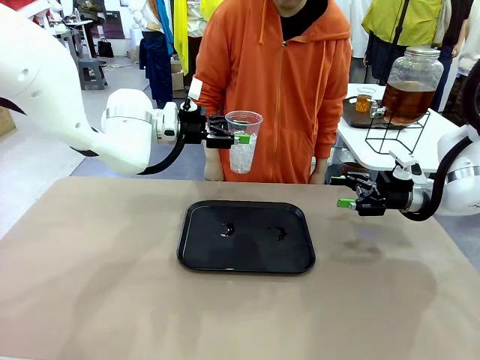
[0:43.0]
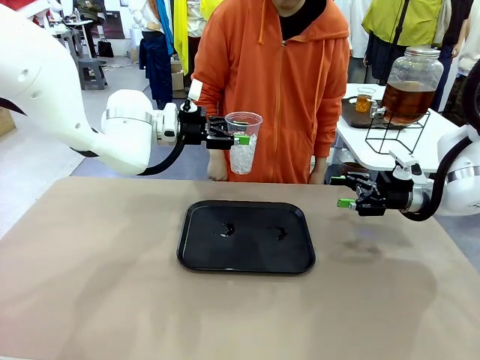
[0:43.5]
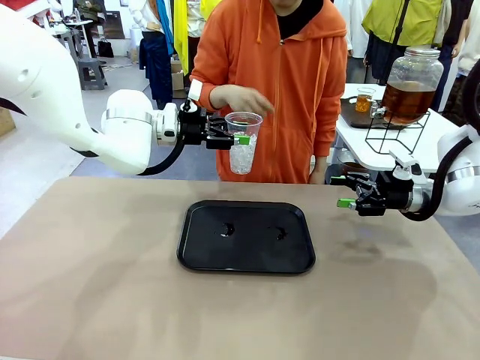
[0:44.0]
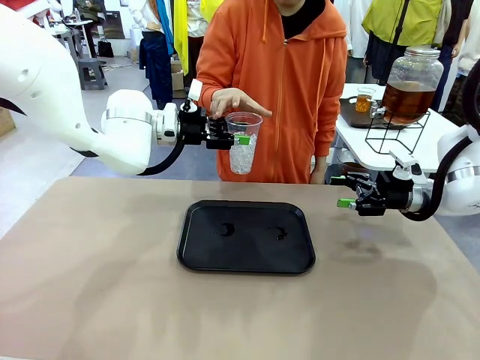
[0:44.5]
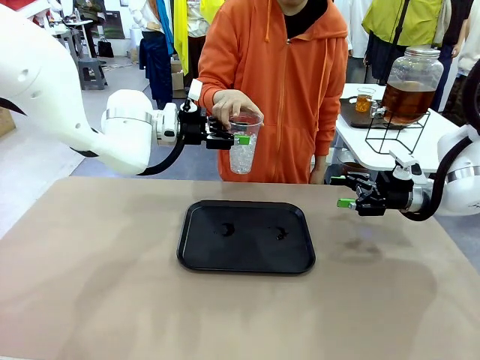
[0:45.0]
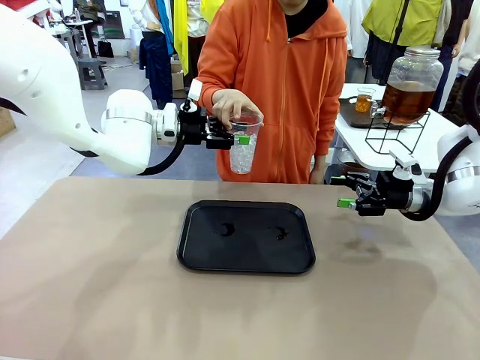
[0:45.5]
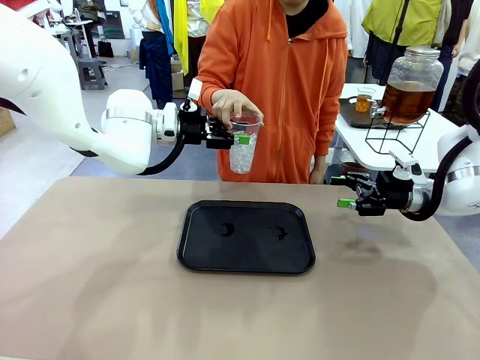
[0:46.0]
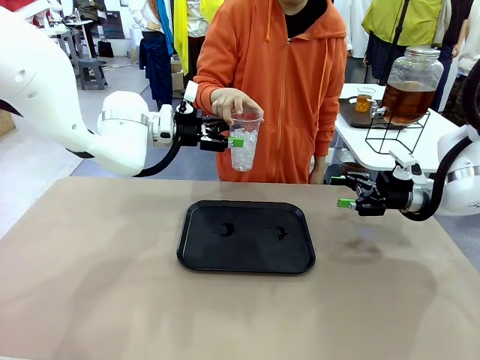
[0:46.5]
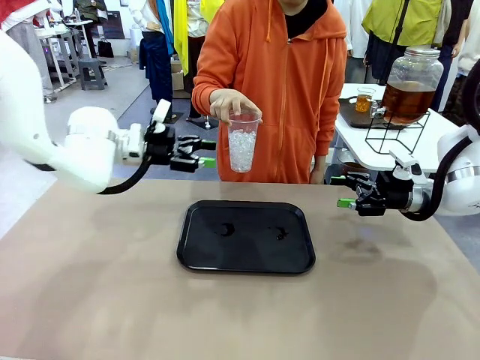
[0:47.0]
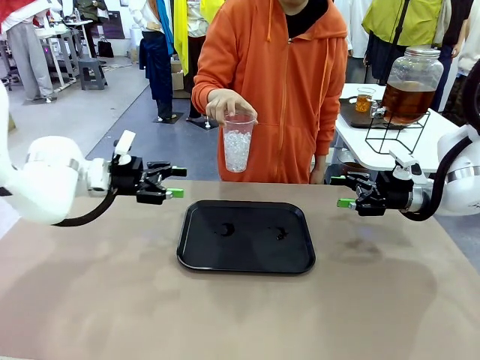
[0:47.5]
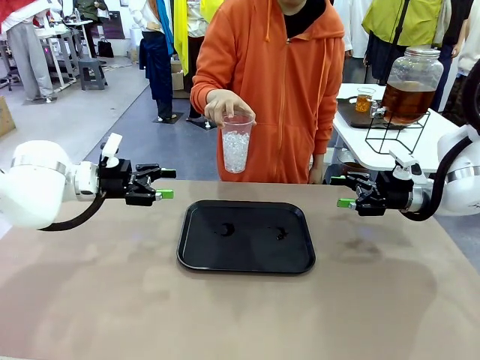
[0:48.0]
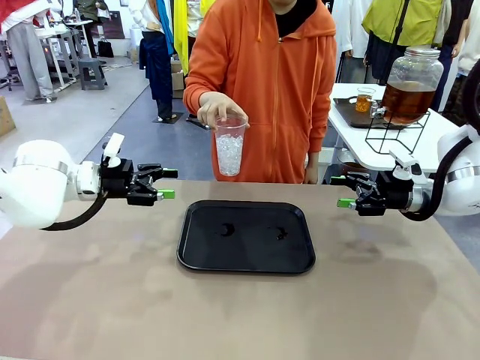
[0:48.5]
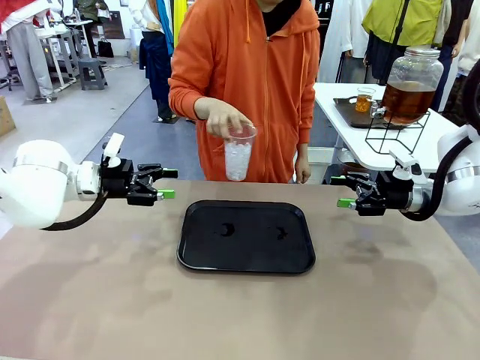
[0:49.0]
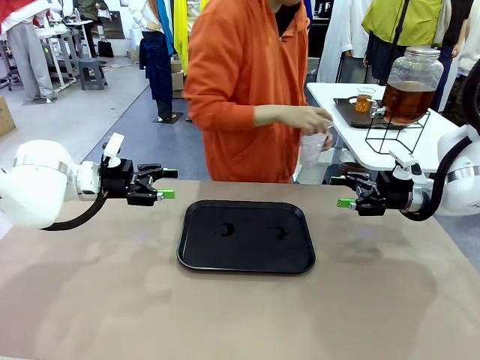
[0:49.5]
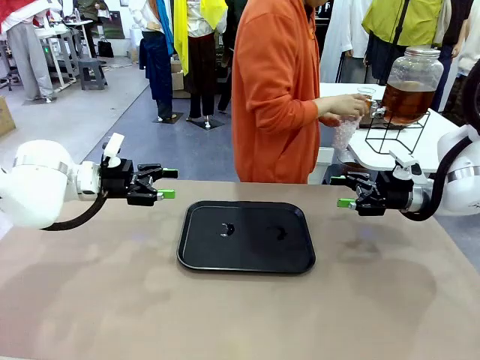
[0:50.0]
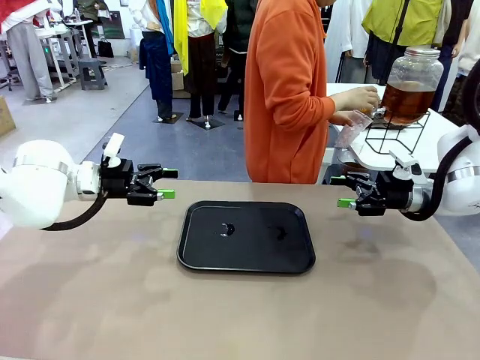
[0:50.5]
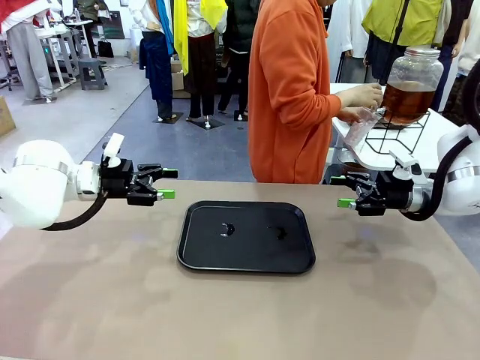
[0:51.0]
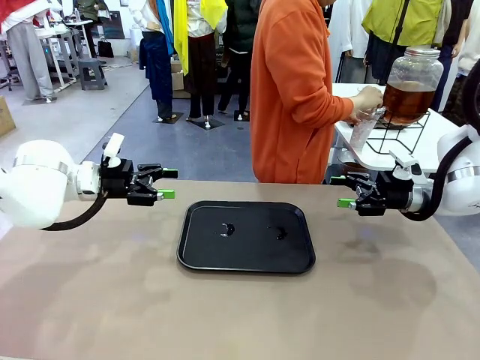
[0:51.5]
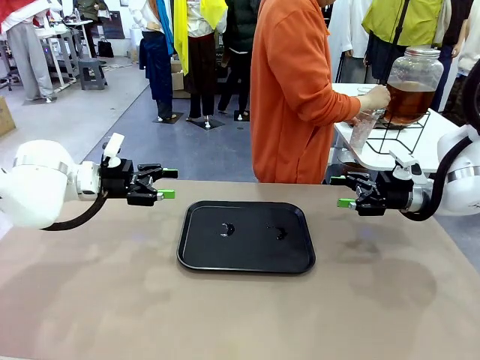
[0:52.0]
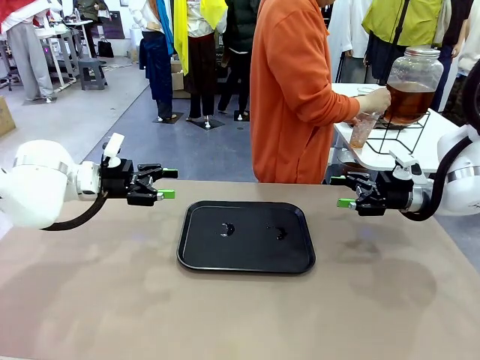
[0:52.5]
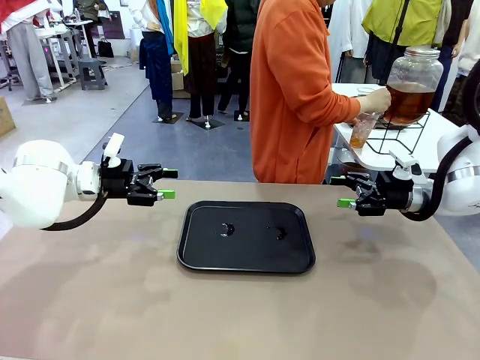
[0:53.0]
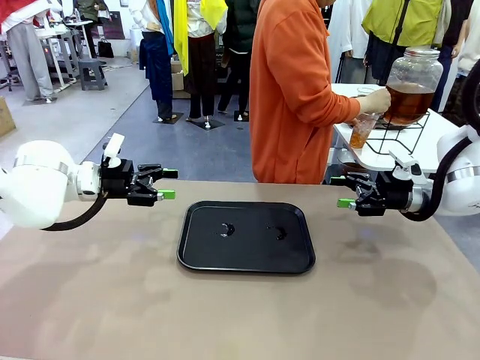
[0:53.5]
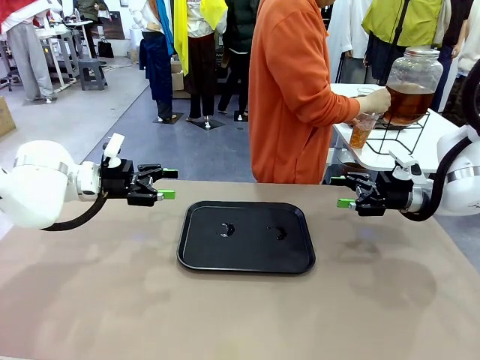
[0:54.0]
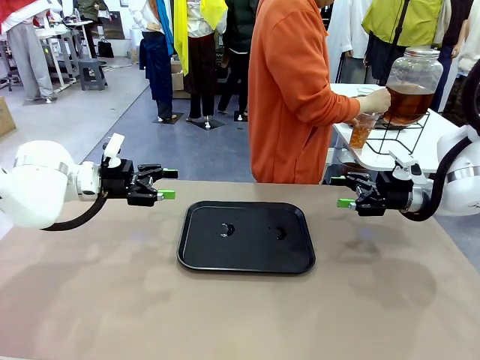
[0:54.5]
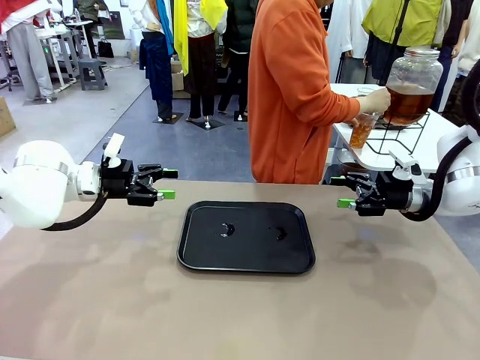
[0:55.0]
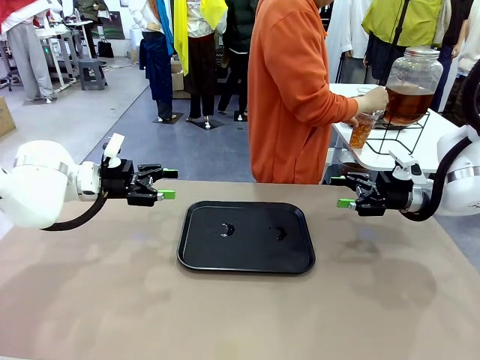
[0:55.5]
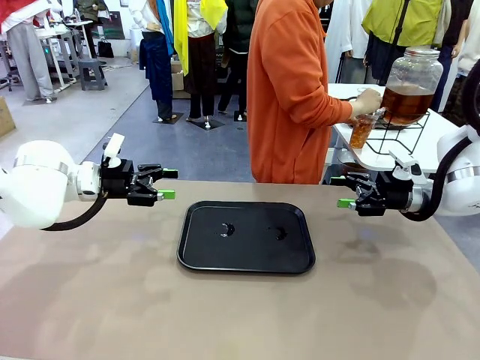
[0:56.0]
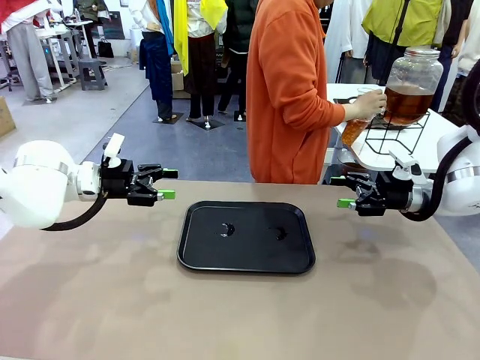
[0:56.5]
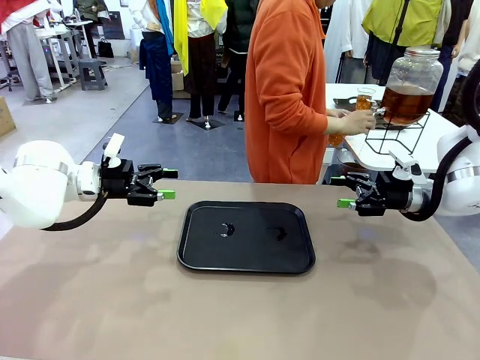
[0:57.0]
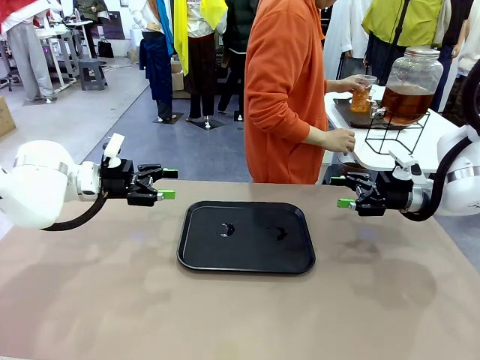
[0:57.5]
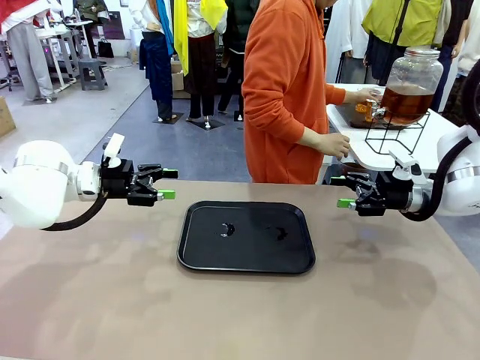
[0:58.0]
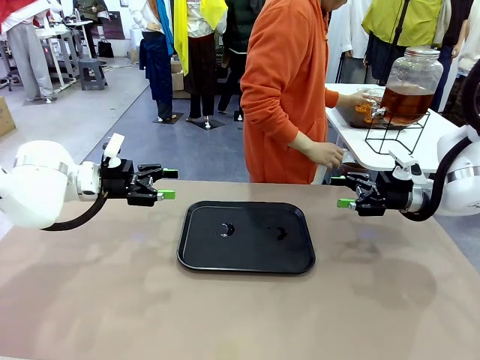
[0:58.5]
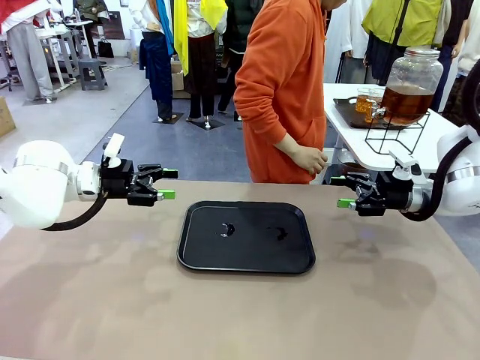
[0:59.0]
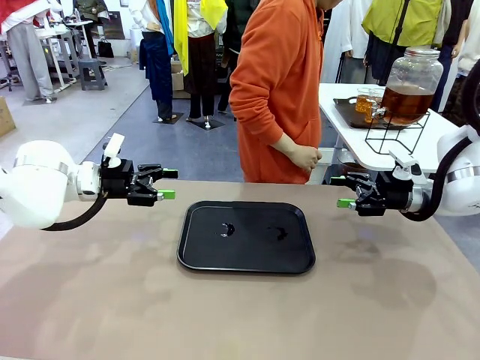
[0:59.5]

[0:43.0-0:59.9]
Task: Pour the drink into the iced cup.
Robot: Open the gripper to release the iced cup you were holding.
Person: Move the picked-up cup under the dispenser faucet, pour the drink, and place it on the tray on the human table.

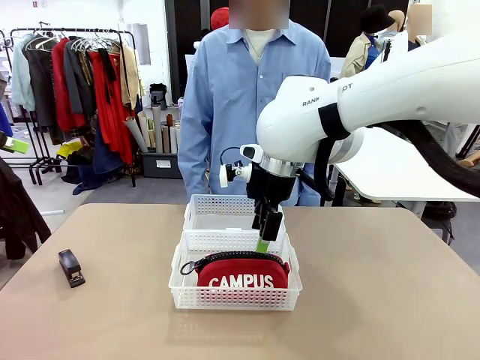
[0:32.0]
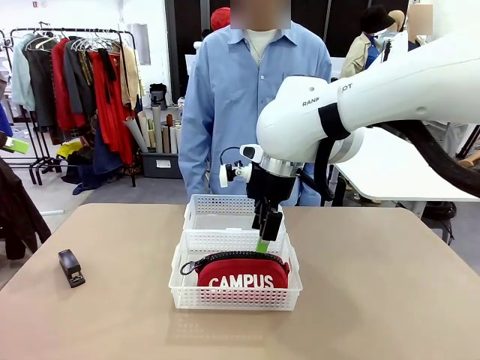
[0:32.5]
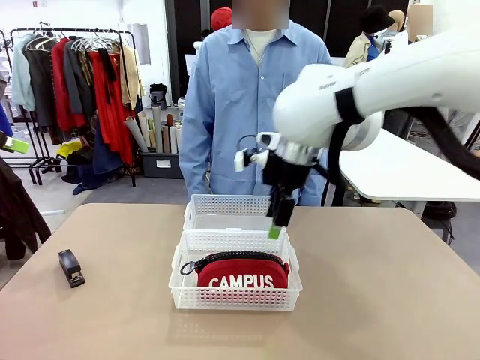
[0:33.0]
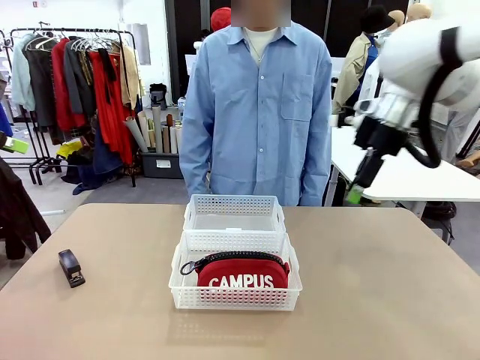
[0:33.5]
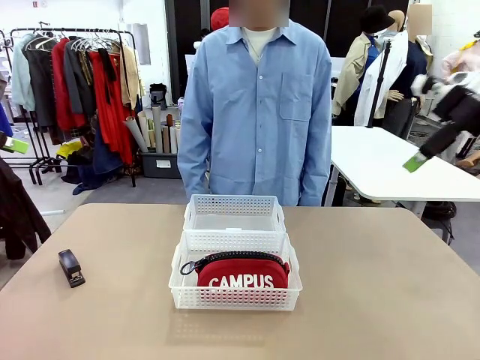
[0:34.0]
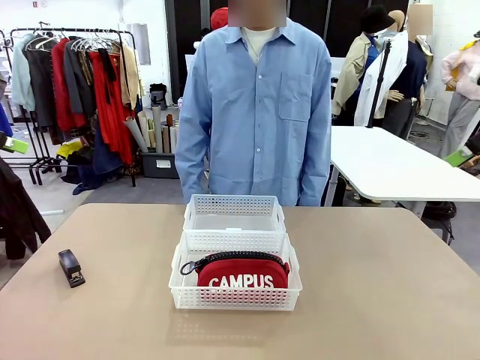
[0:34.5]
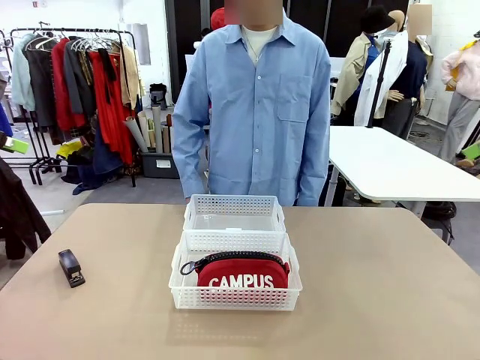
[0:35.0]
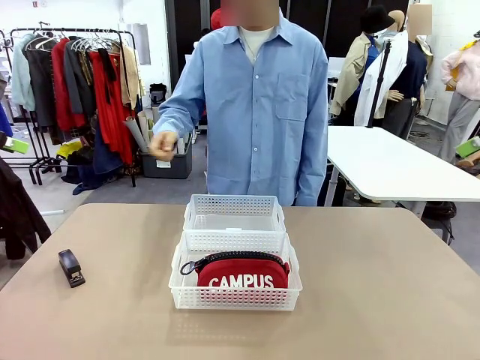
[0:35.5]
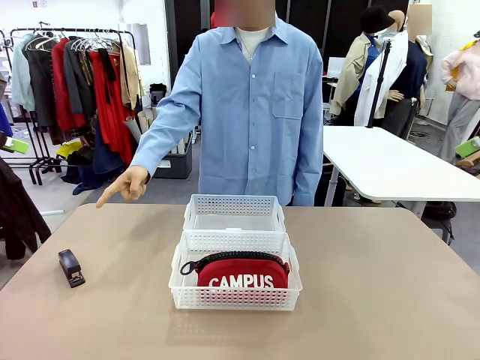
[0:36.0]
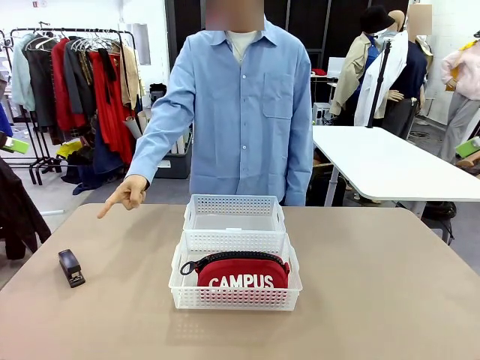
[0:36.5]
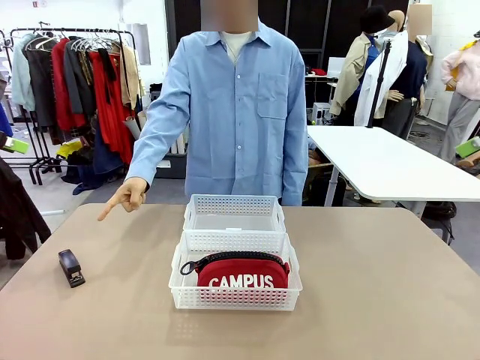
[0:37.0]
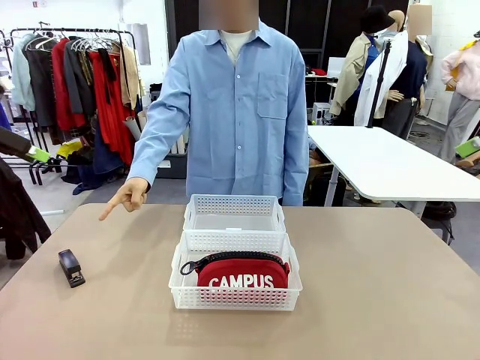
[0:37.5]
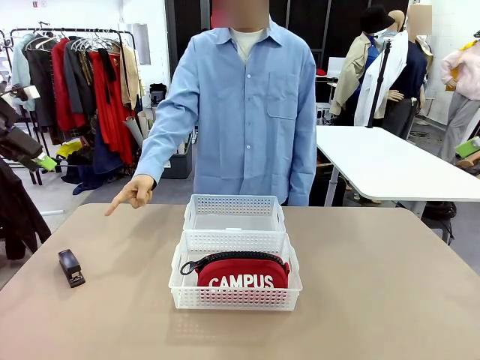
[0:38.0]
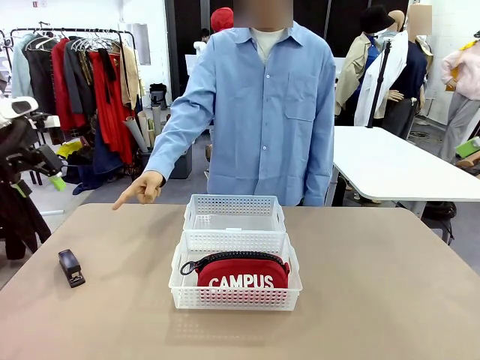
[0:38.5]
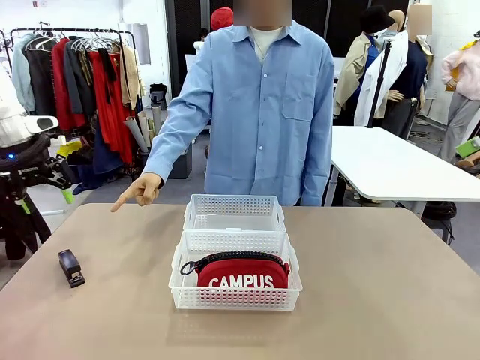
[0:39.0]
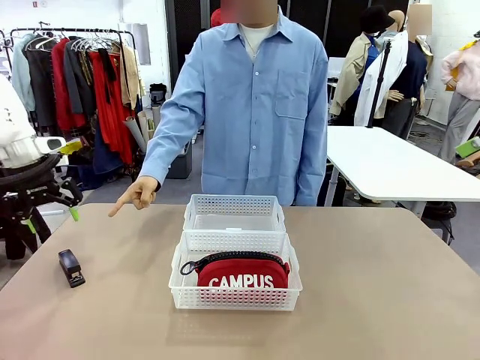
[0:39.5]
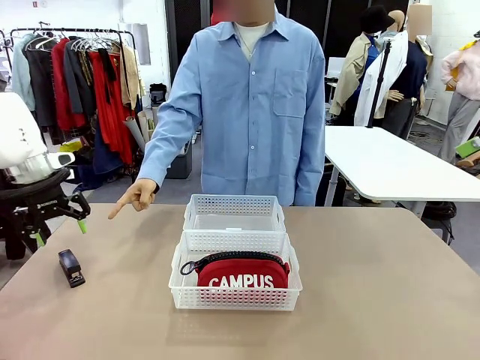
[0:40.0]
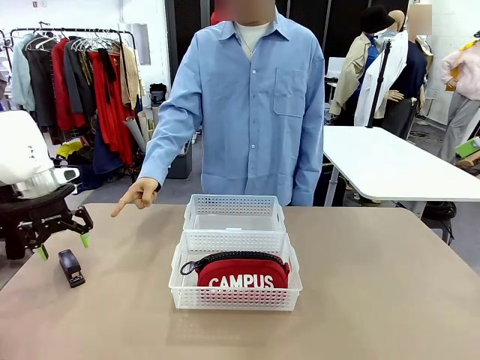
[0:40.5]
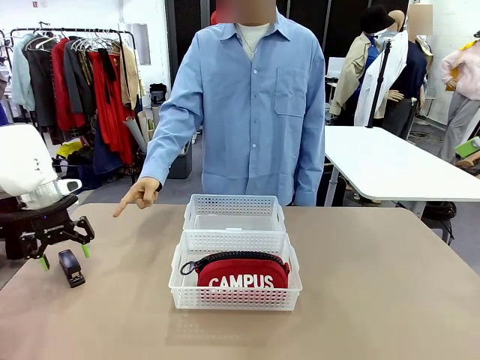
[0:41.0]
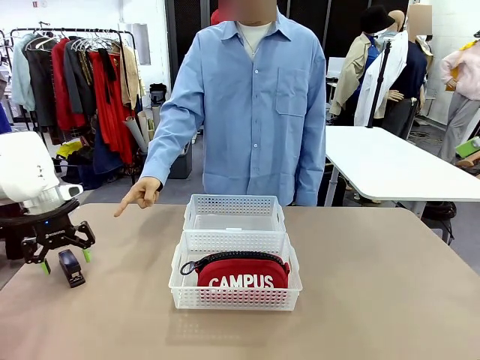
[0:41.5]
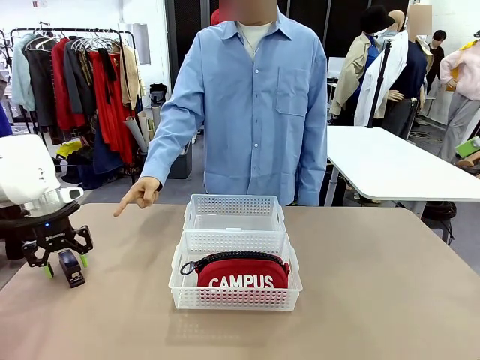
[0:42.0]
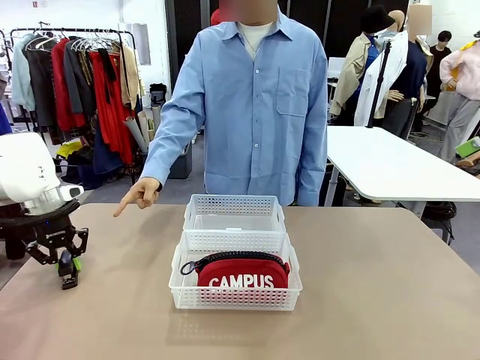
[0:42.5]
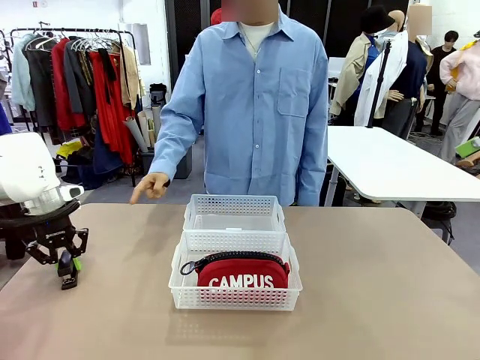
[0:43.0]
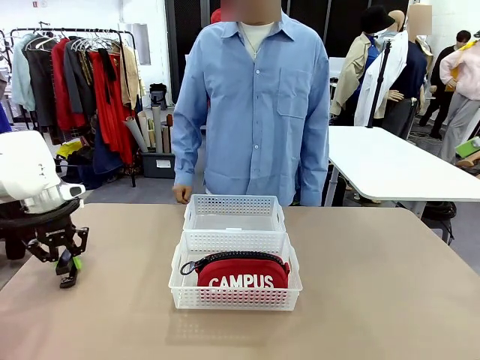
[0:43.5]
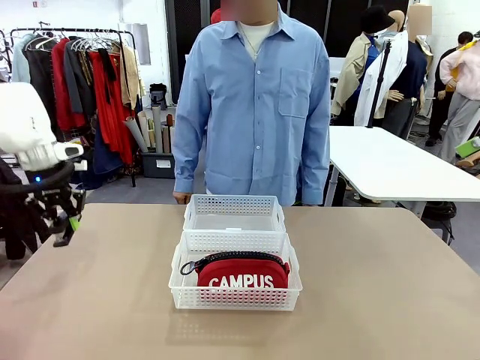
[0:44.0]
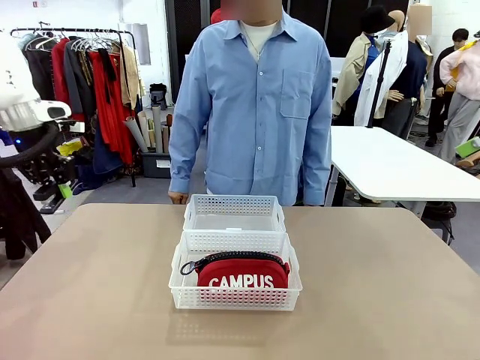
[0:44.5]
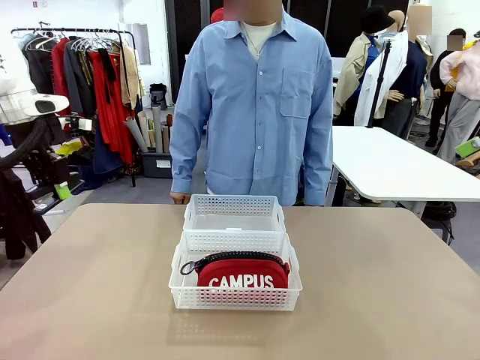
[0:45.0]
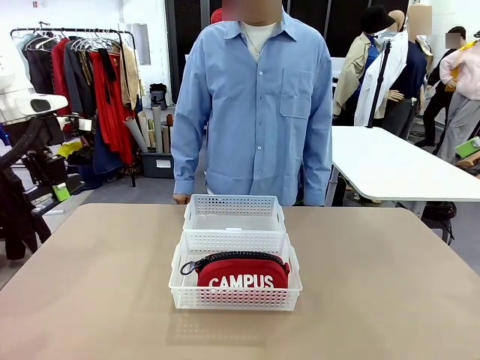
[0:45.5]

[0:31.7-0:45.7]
Task: Distribute items into two baskets.
Robot: Pick up the Stapler that the person points to.
